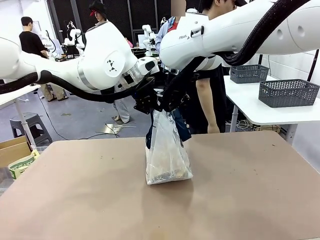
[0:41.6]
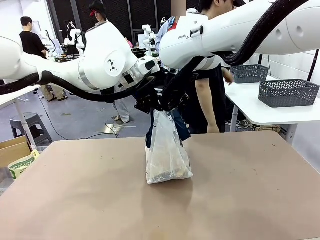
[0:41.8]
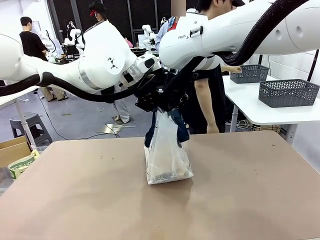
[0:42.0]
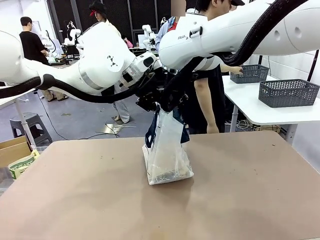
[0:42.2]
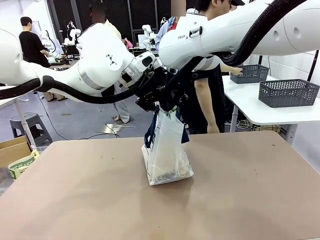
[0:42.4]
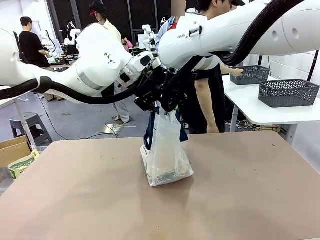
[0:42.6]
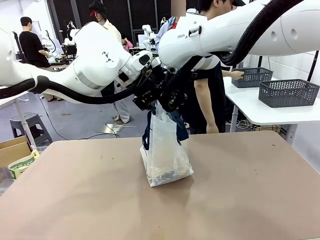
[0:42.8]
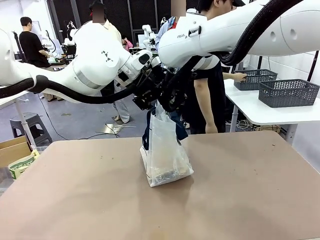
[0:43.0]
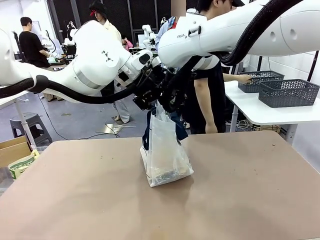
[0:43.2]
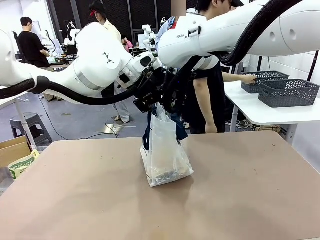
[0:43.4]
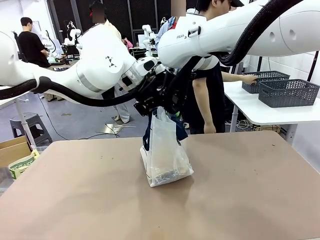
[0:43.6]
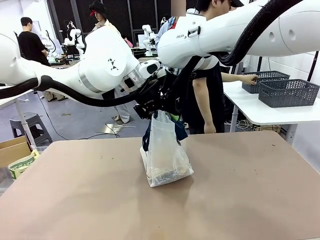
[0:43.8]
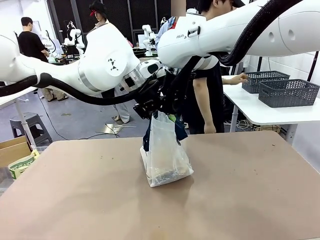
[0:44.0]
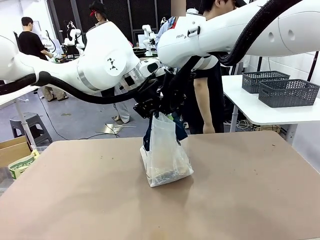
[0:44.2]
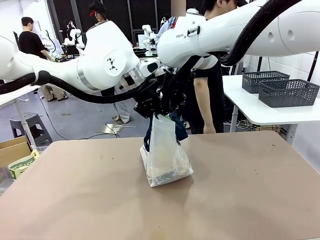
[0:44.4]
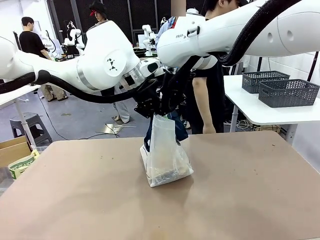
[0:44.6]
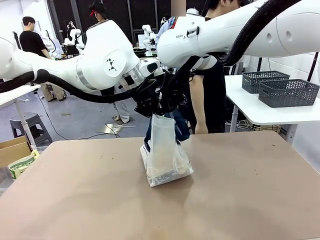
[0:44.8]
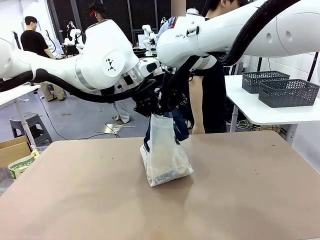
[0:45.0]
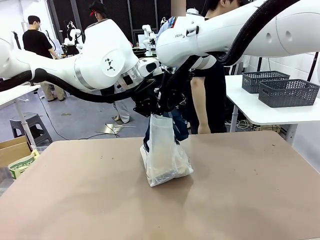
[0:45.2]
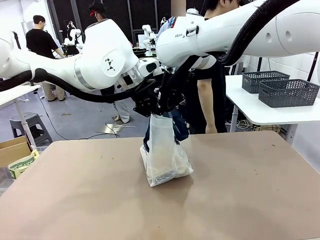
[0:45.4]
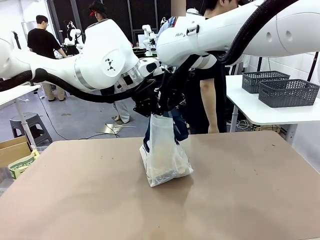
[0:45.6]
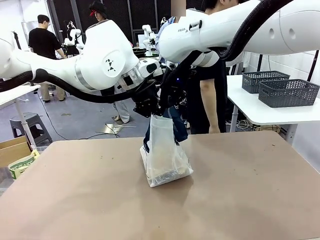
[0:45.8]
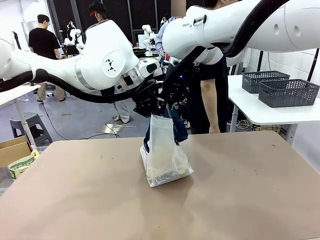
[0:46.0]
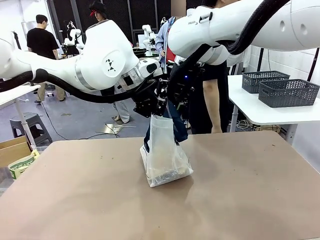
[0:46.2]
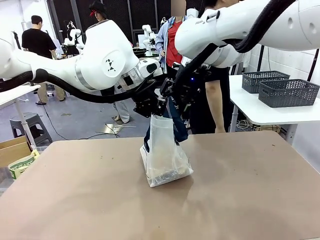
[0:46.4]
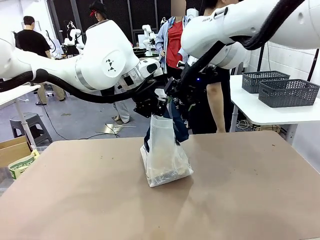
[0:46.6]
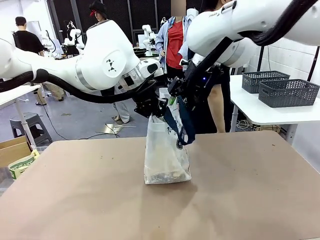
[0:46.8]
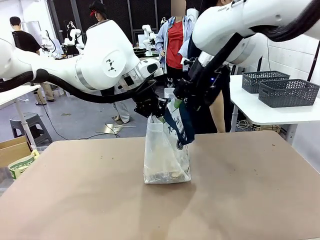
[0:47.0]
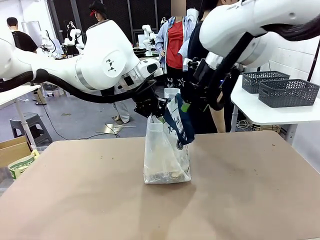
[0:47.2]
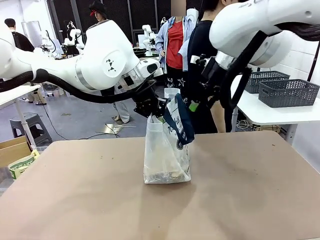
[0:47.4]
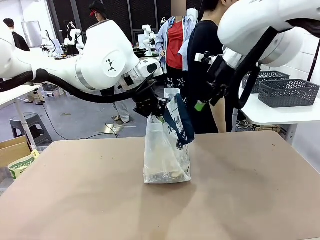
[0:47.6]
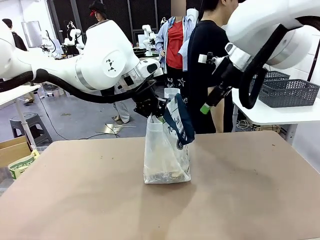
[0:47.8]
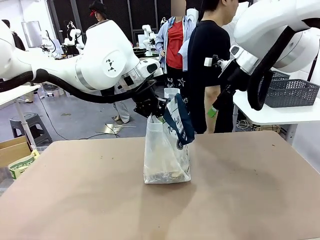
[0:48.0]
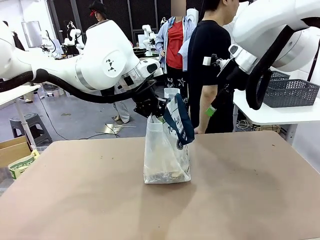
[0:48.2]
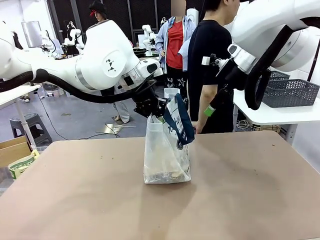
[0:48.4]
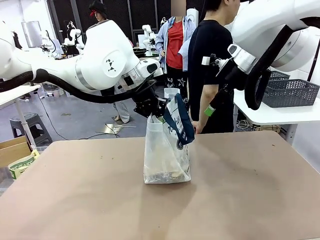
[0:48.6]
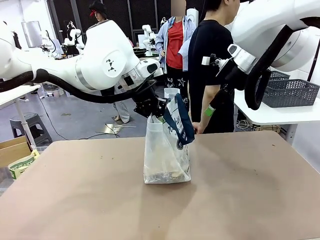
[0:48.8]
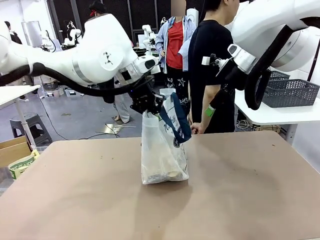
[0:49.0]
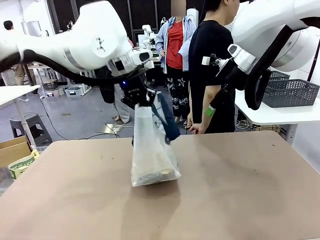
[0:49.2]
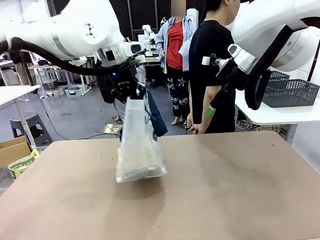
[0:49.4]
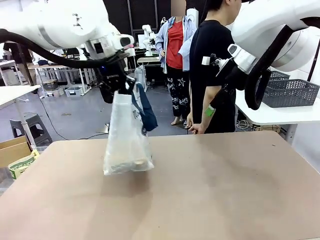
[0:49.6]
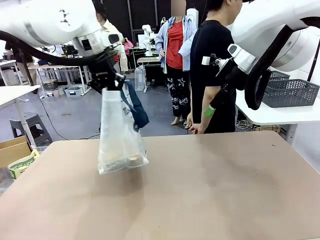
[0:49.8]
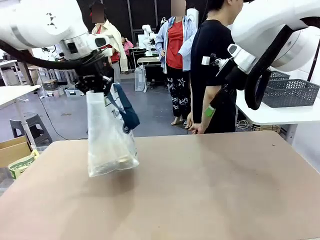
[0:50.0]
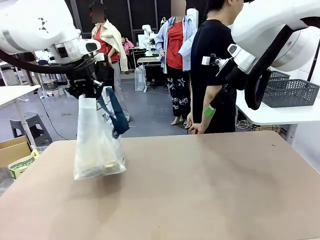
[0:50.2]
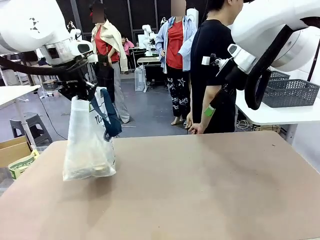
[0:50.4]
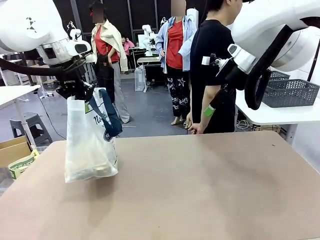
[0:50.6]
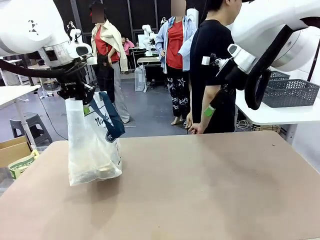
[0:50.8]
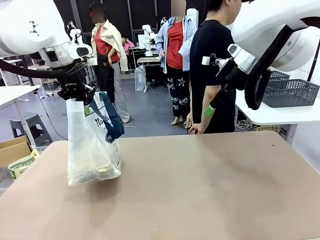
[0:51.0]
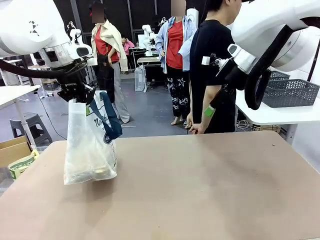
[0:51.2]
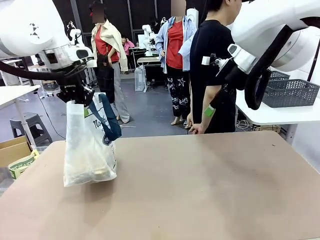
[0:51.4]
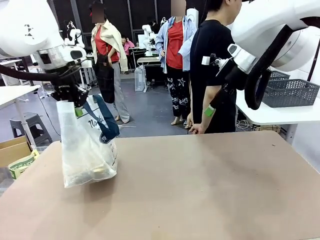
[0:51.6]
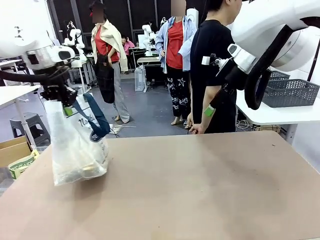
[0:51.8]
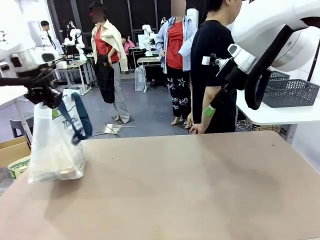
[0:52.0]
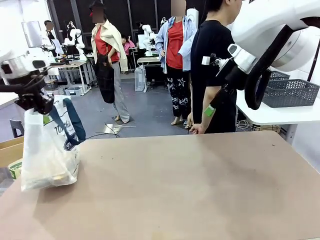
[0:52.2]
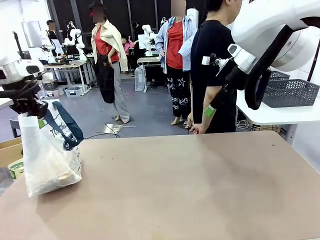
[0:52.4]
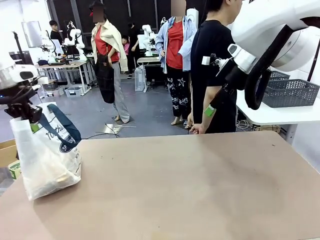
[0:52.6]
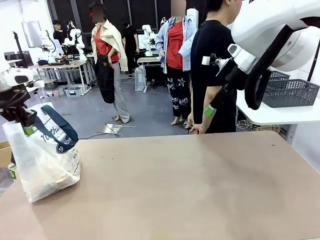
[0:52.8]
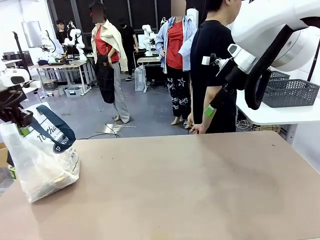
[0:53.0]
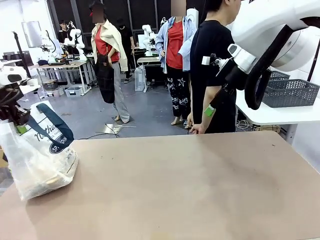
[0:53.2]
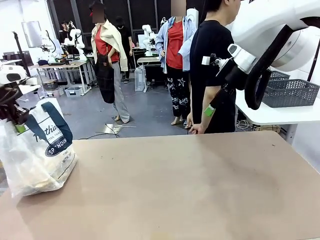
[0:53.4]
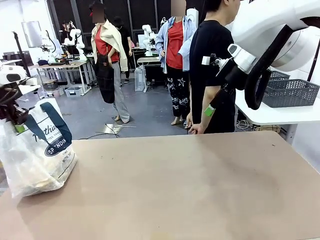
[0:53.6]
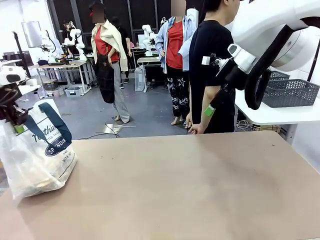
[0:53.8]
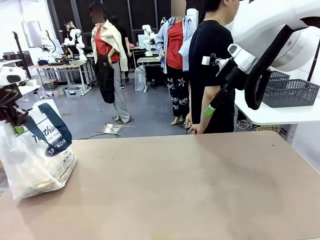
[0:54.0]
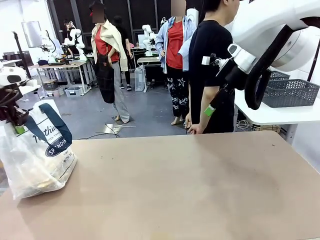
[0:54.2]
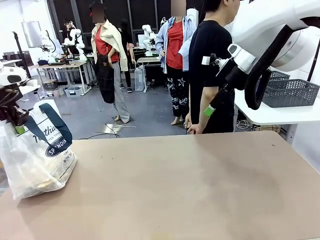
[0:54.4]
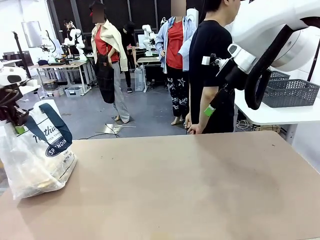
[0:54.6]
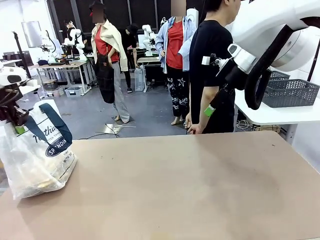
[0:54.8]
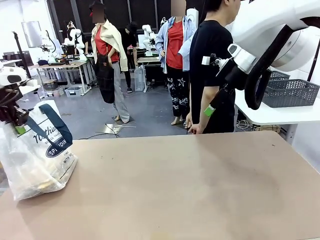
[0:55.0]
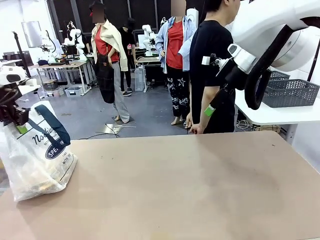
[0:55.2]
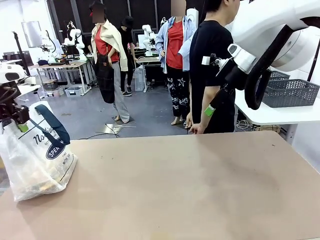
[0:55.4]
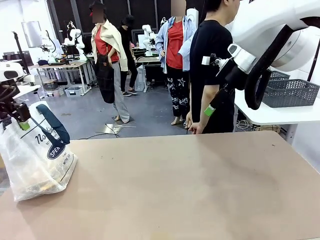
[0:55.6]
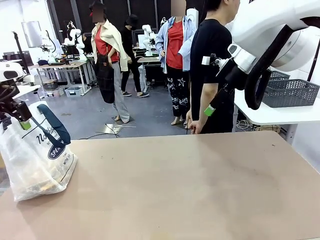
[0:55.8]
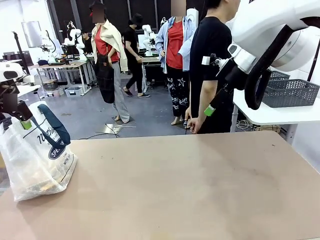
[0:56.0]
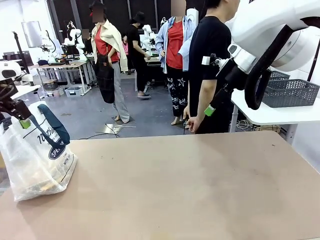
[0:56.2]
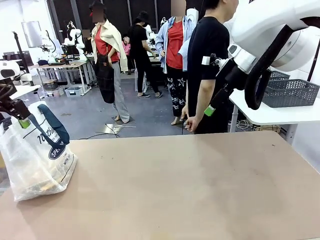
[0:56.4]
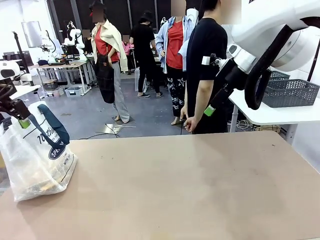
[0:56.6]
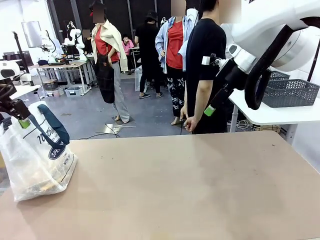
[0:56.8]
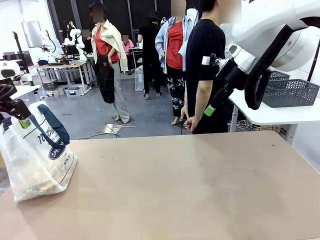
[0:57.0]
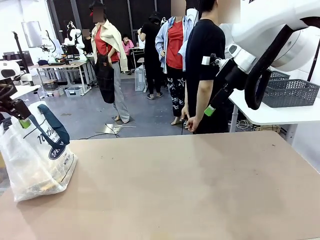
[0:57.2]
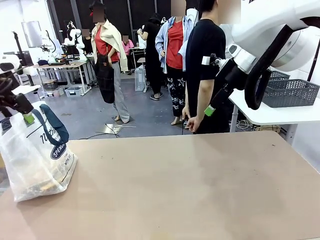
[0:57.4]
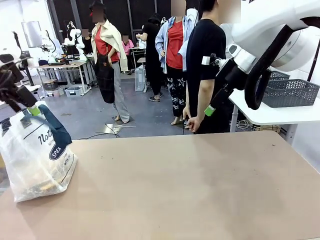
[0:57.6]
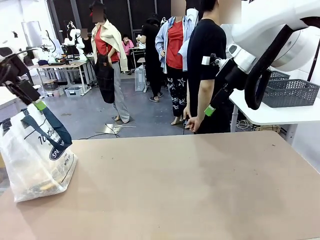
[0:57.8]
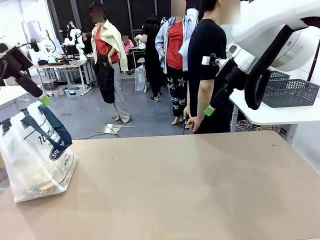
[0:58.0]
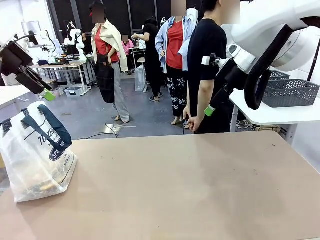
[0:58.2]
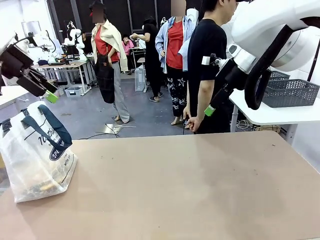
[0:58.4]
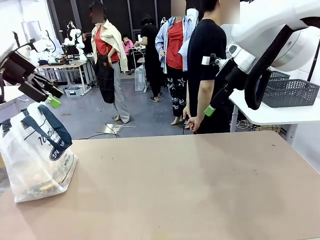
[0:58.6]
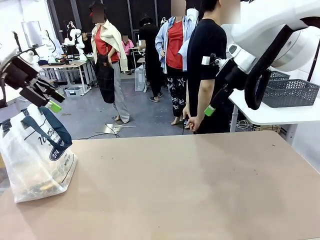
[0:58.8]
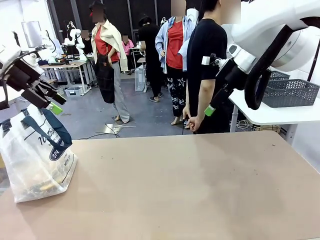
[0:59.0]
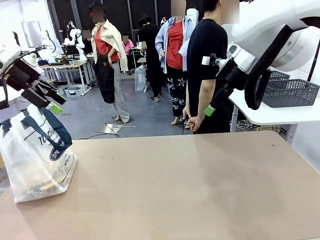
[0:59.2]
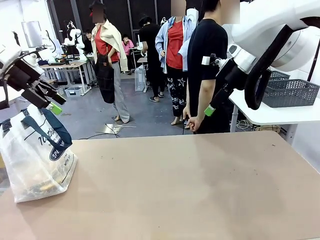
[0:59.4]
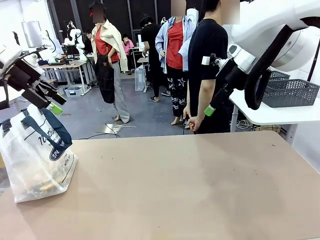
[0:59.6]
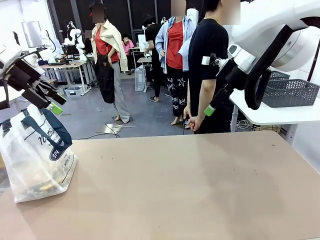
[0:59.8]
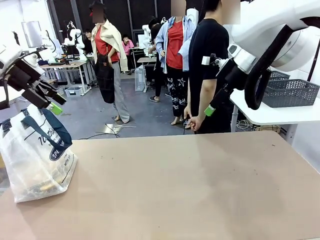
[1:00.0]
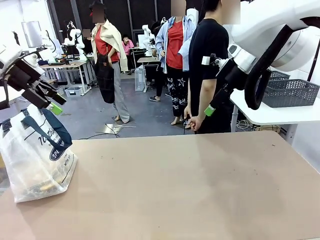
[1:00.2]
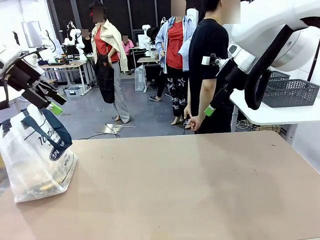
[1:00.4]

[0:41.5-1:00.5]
Task: Transfer purchased items from the store into the shopping bag.
Robot: Move the Reusable shopping bag to the right side of the table.
Person: Move the basket on the left to the middle of the person's table.
